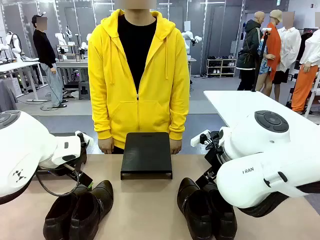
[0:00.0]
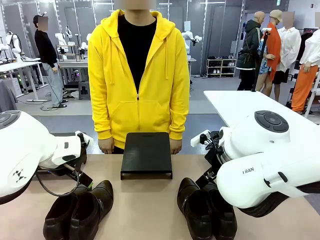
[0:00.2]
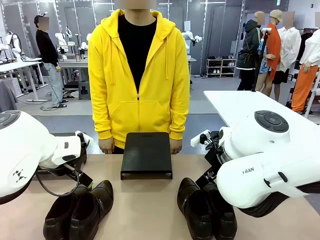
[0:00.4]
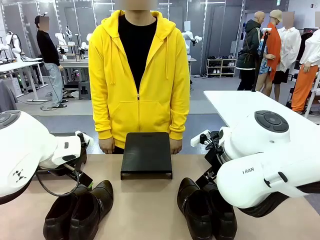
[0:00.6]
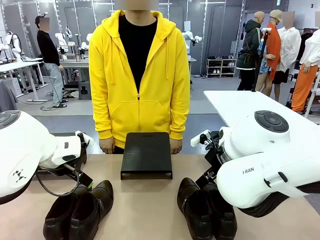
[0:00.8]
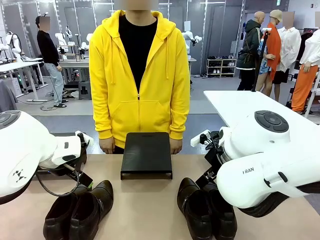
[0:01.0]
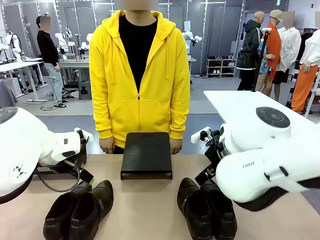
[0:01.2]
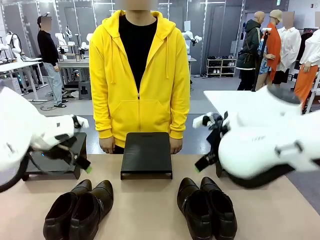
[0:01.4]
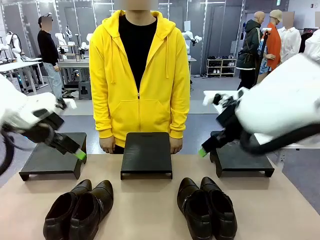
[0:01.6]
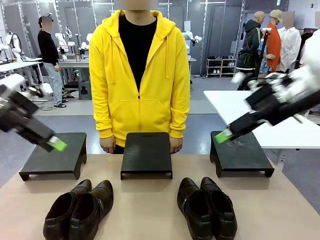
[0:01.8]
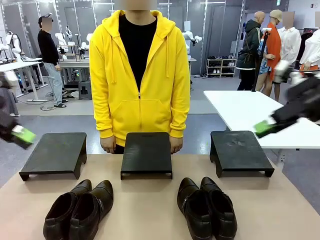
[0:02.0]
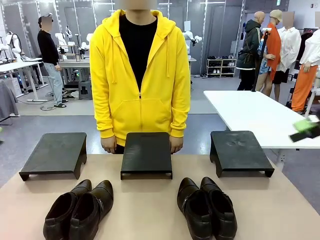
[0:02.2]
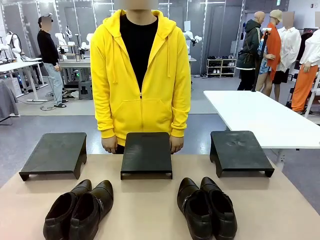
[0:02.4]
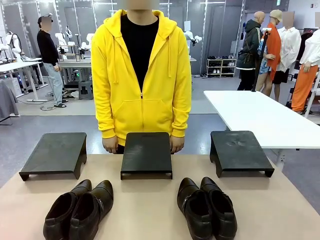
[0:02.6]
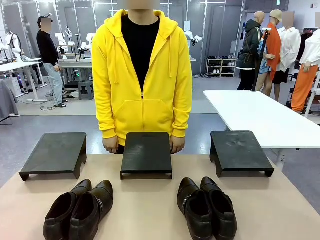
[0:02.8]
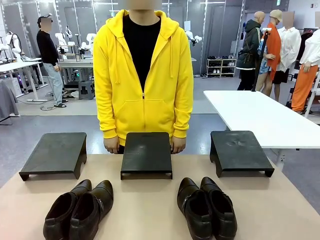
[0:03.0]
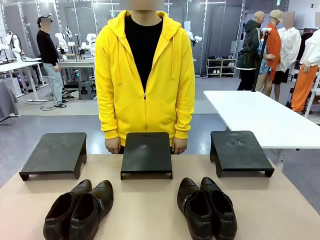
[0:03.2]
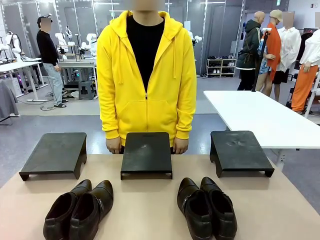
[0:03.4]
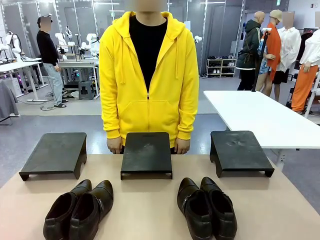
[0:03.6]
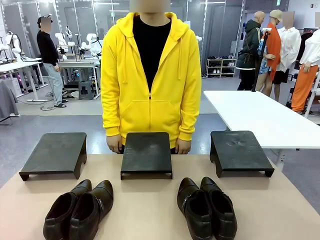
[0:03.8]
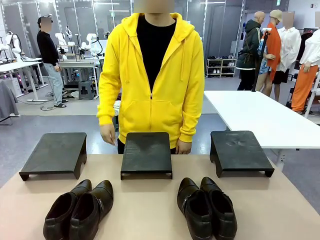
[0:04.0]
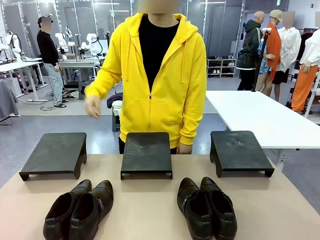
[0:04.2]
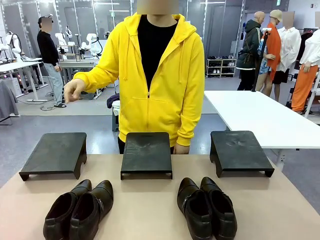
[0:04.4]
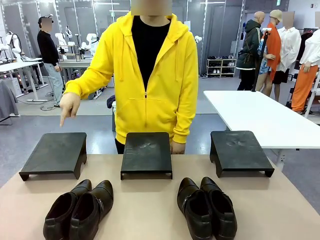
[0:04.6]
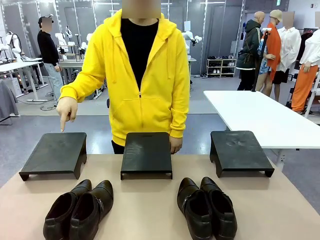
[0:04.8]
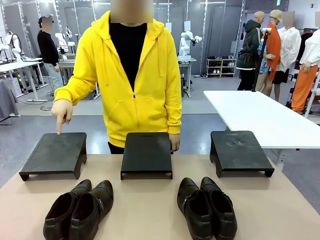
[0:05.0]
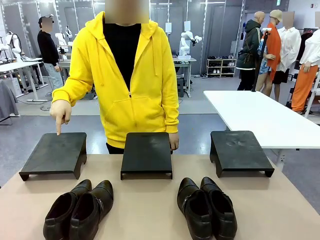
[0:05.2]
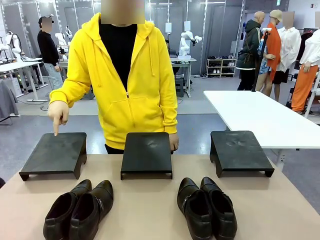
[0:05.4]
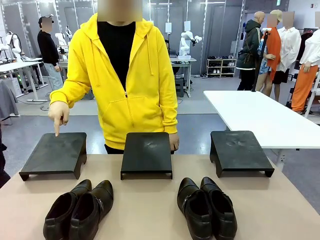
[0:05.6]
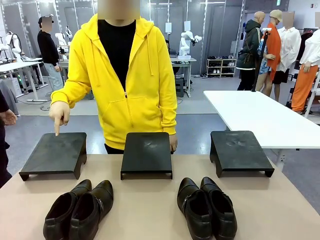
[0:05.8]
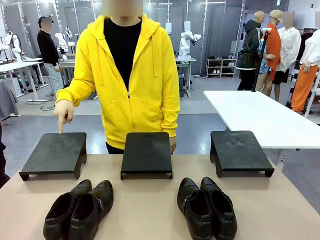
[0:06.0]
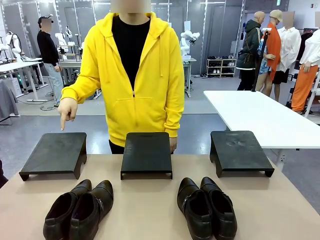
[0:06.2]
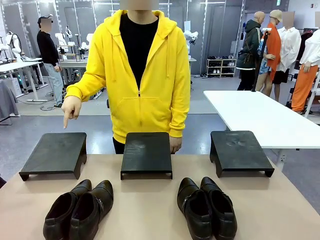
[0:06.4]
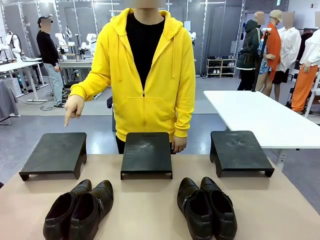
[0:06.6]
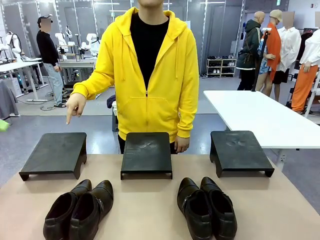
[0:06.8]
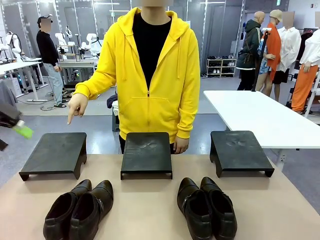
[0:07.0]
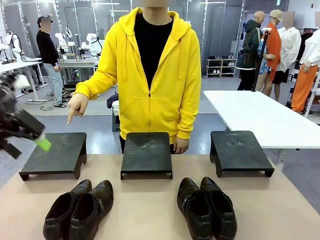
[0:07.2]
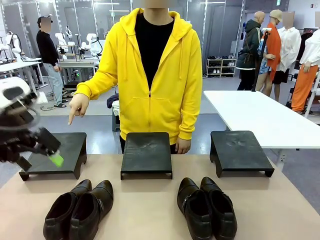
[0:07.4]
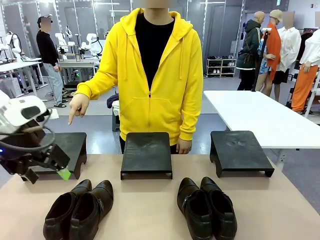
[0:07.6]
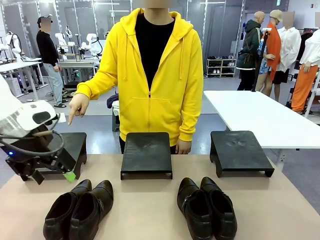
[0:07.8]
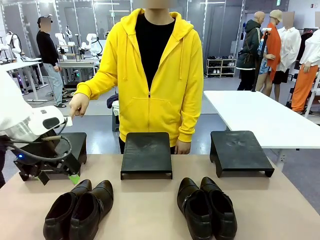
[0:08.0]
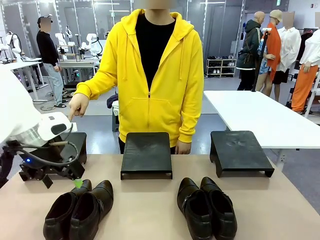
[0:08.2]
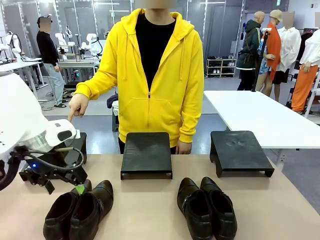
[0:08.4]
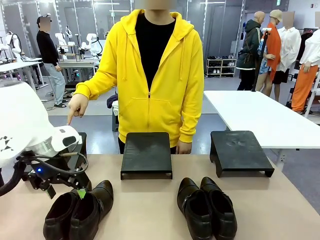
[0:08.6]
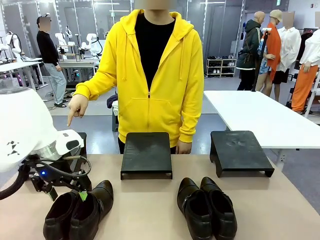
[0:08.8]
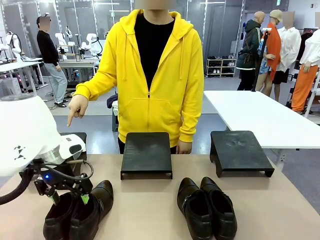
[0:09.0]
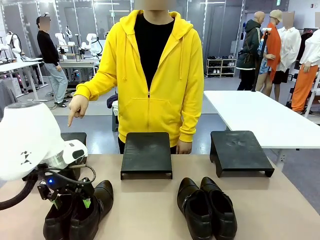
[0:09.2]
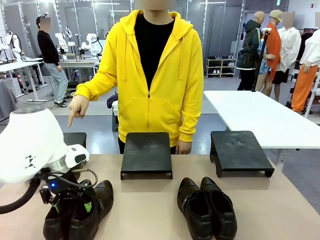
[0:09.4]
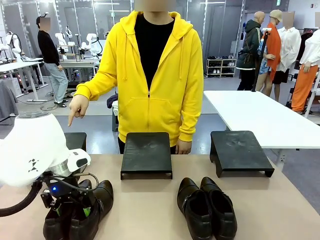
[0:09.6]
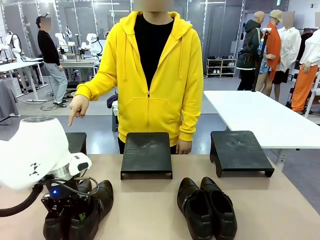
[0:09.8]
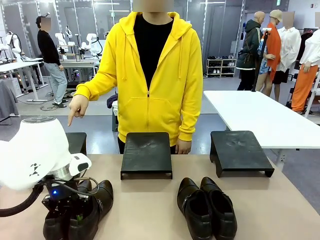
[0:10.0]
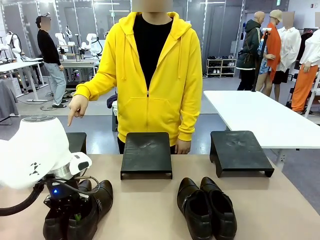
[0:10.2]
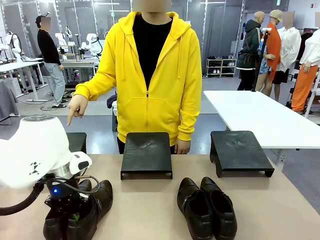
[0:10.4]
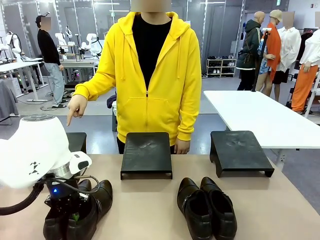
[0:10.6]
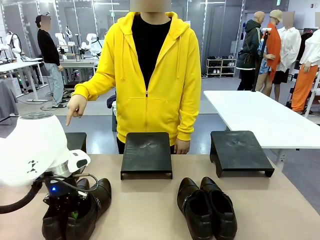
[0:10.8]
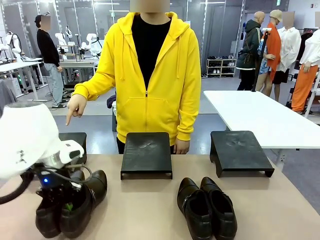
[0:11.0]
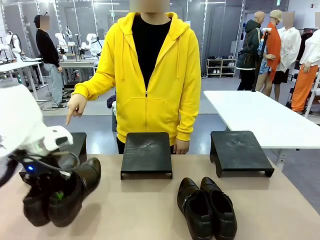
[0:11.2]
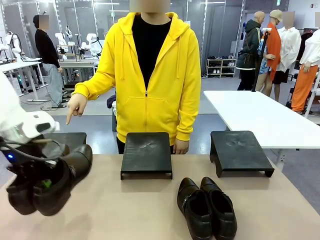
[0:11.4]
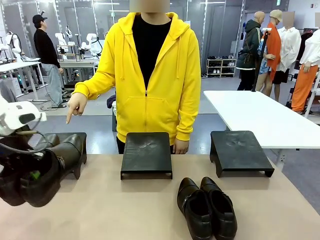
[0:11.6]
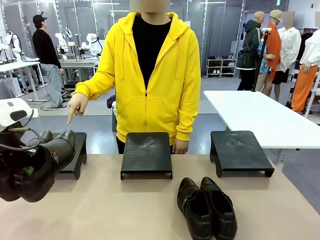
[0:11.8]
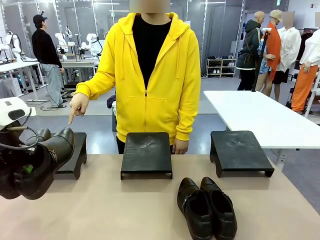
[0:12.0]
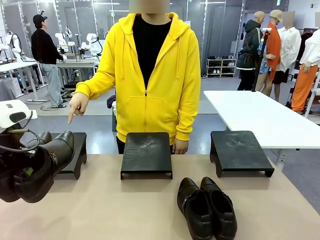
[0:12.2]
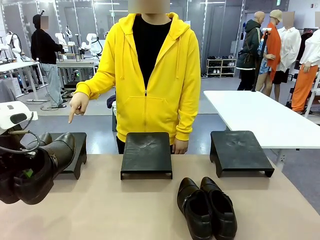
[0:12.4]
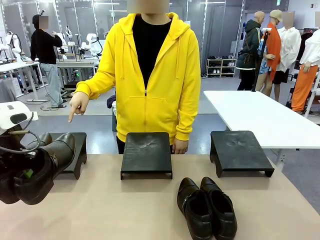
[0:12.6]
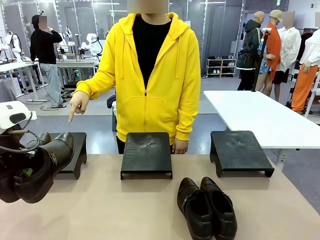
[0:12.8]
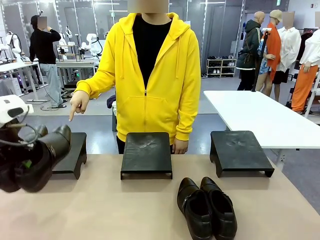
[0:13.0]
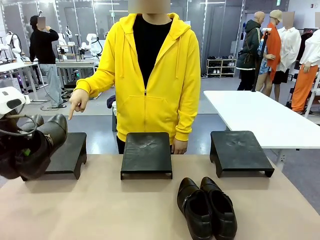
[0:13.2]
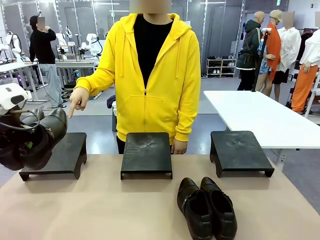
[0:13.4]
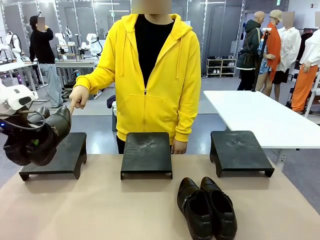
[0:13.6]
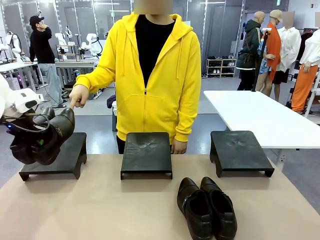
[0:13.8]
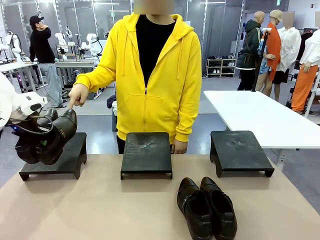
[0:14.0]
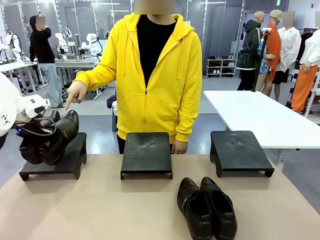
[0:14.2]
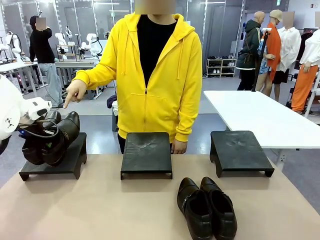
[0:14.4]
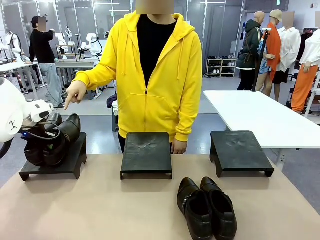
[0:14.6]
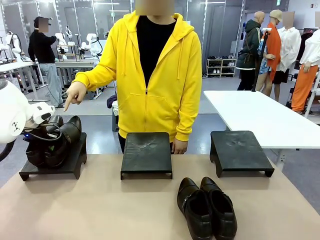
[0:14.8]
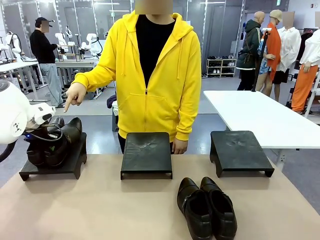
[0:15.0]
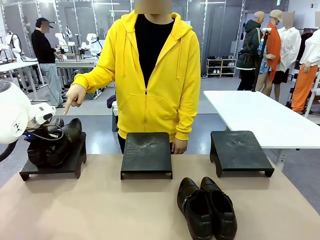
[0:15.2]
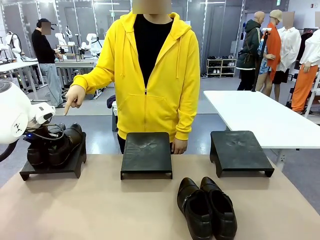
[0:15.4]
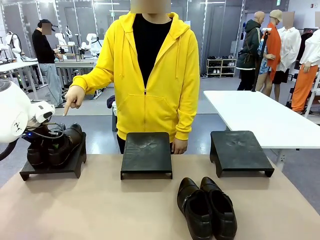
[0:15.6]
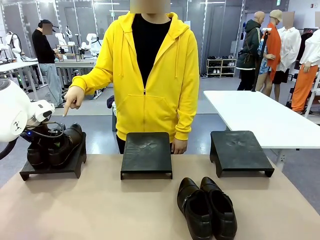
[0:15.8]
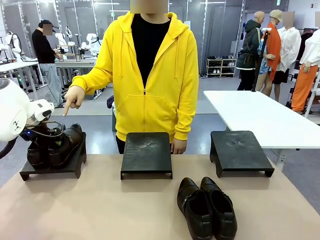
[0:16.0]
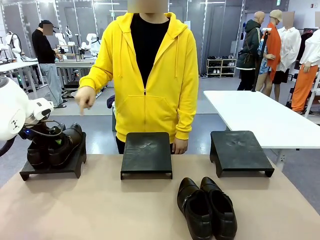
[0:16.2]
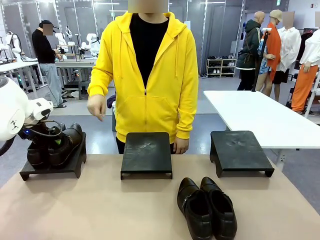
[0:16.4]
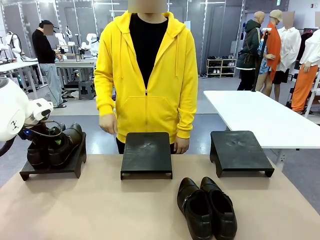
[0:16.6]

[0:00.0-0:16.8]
Task: Place the shoes on the stand as instructed by the person.
Robot: Pick up one pair of Shoes and place it on the Shoes Stand indicated by the person.
